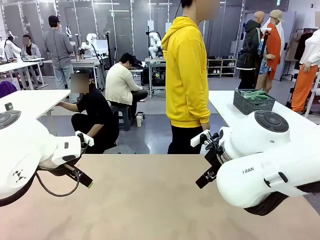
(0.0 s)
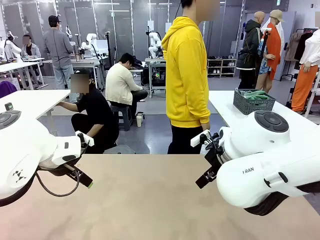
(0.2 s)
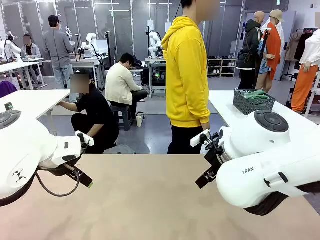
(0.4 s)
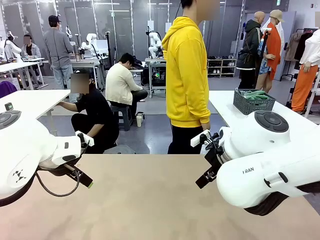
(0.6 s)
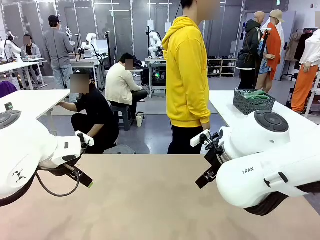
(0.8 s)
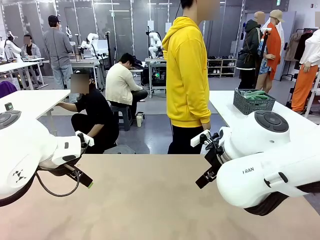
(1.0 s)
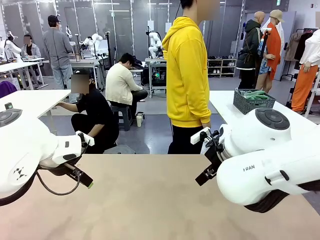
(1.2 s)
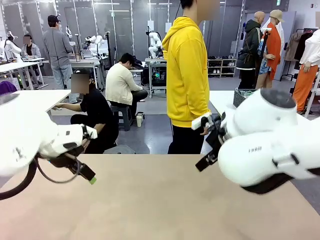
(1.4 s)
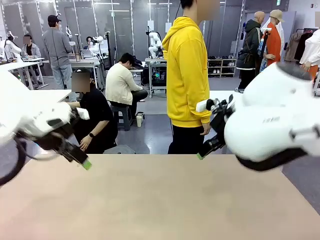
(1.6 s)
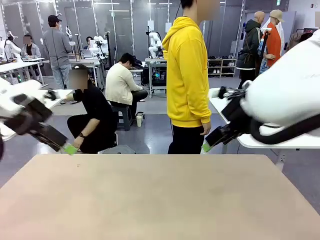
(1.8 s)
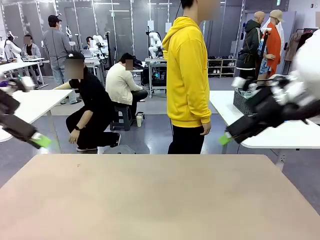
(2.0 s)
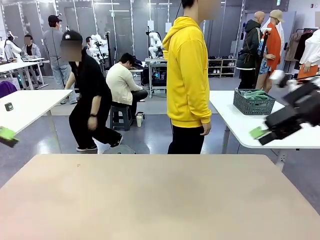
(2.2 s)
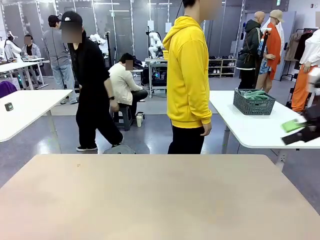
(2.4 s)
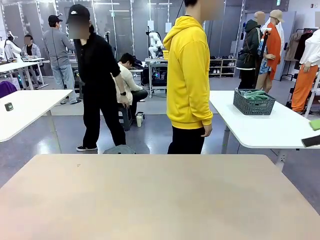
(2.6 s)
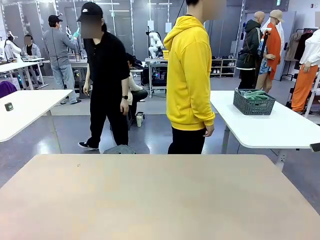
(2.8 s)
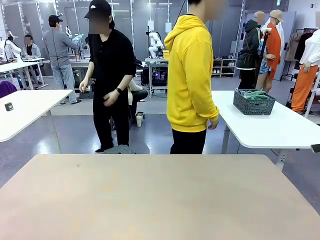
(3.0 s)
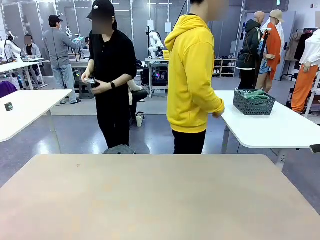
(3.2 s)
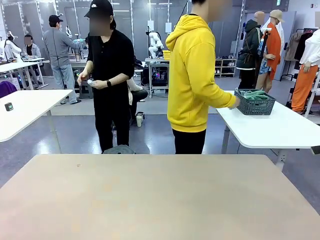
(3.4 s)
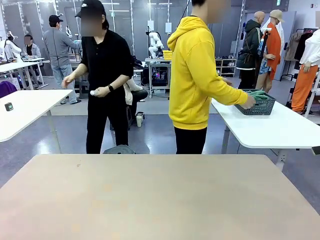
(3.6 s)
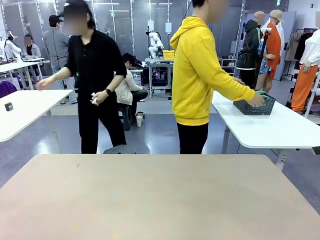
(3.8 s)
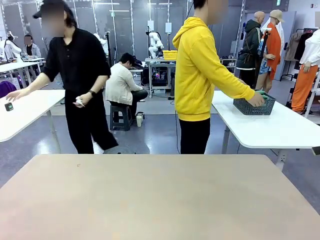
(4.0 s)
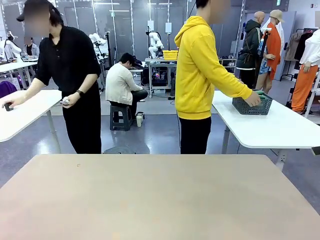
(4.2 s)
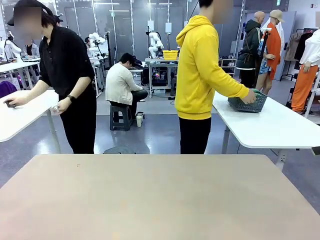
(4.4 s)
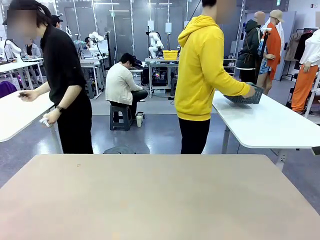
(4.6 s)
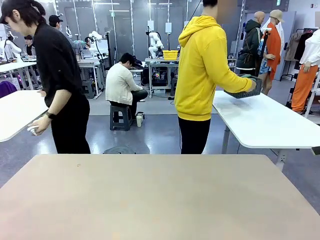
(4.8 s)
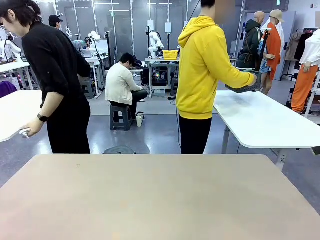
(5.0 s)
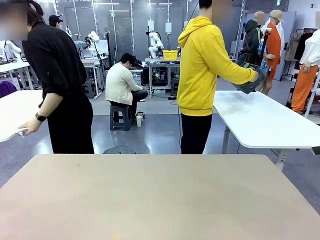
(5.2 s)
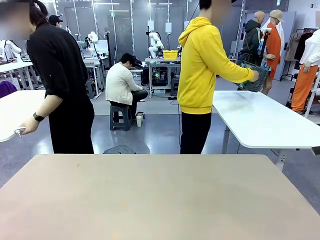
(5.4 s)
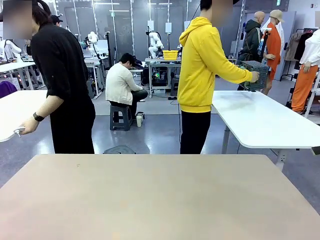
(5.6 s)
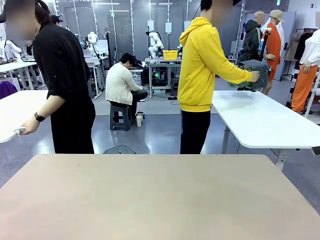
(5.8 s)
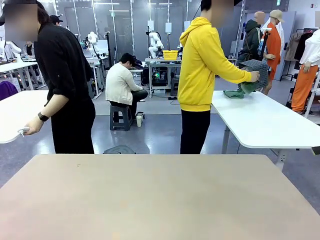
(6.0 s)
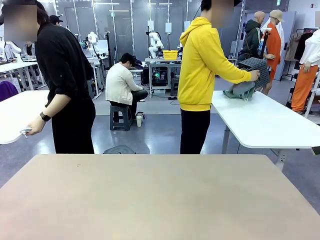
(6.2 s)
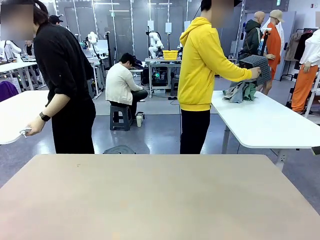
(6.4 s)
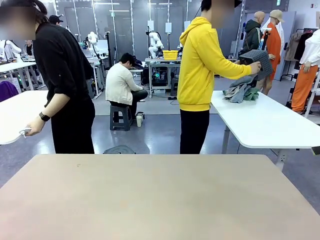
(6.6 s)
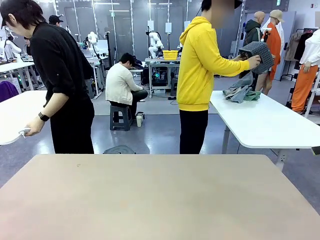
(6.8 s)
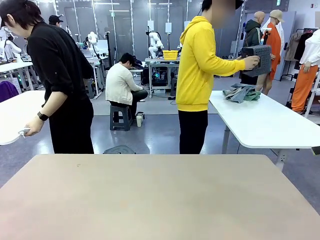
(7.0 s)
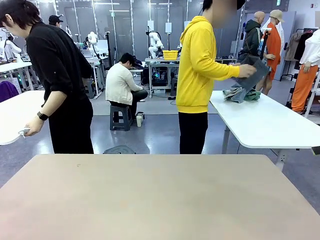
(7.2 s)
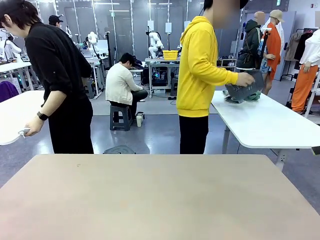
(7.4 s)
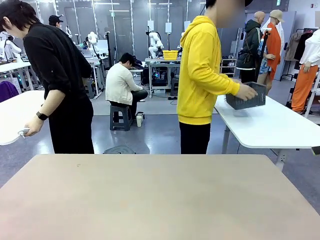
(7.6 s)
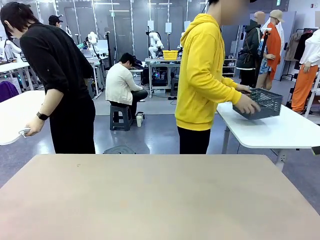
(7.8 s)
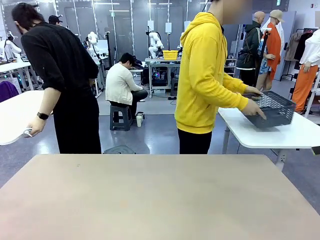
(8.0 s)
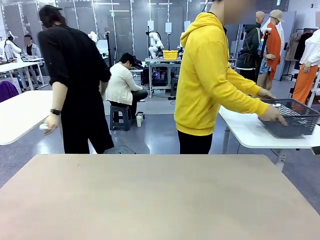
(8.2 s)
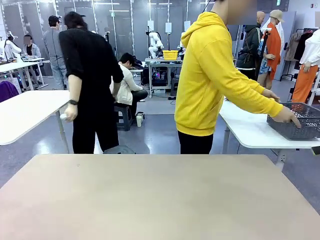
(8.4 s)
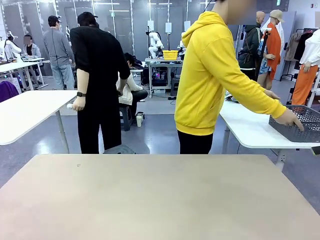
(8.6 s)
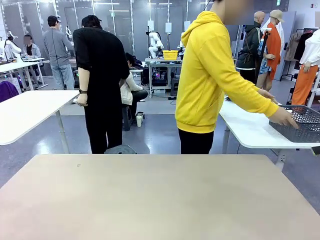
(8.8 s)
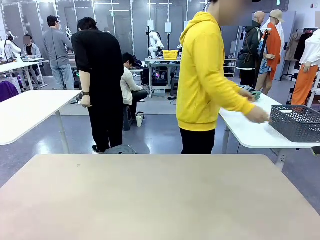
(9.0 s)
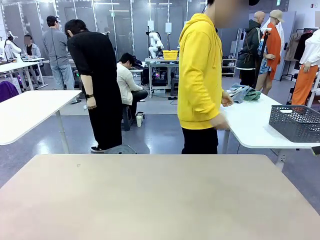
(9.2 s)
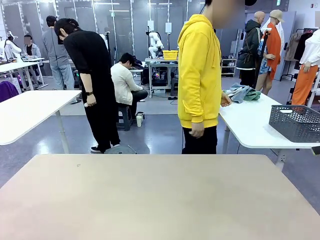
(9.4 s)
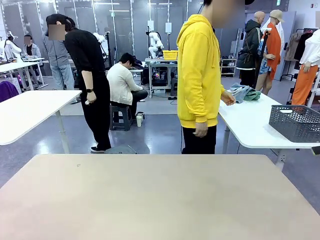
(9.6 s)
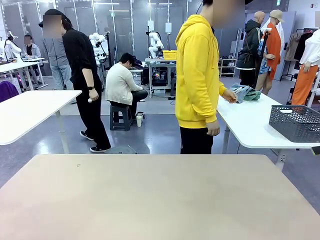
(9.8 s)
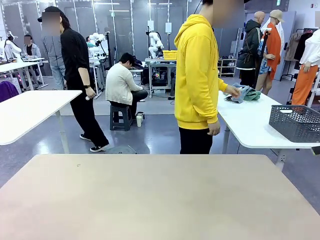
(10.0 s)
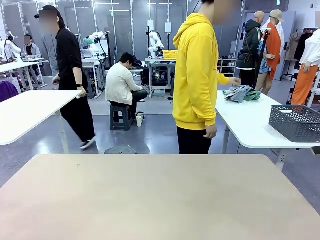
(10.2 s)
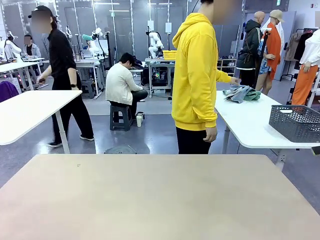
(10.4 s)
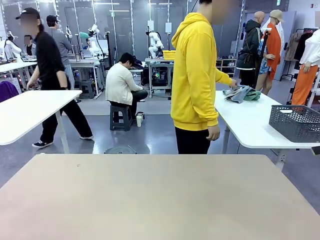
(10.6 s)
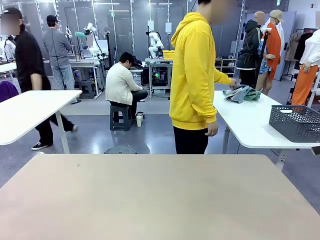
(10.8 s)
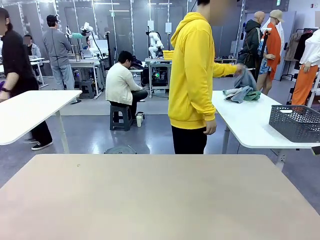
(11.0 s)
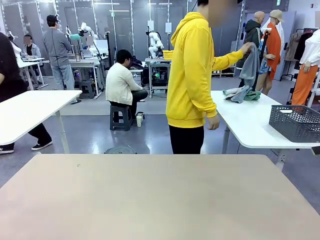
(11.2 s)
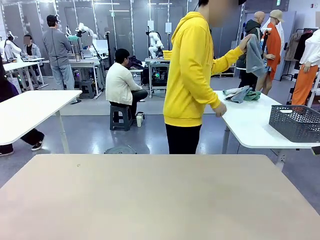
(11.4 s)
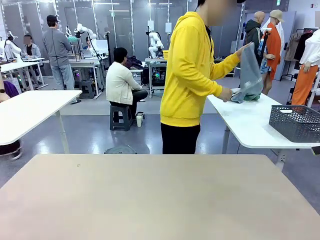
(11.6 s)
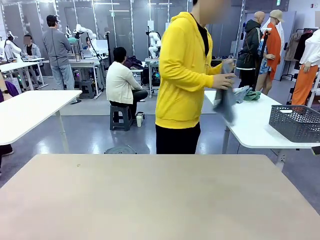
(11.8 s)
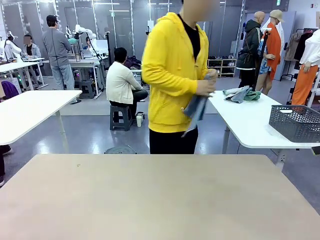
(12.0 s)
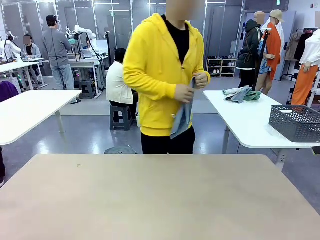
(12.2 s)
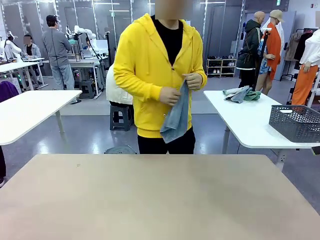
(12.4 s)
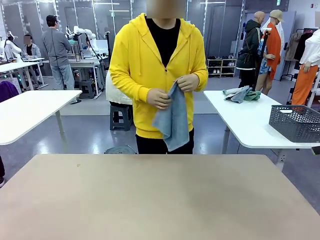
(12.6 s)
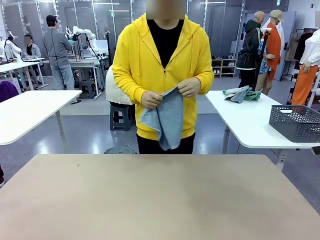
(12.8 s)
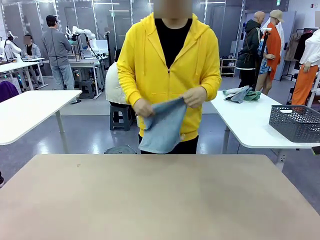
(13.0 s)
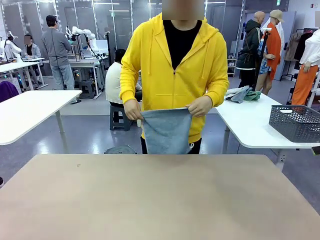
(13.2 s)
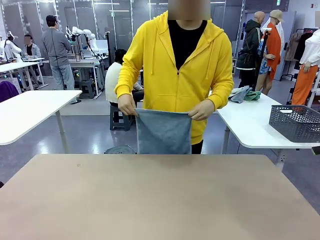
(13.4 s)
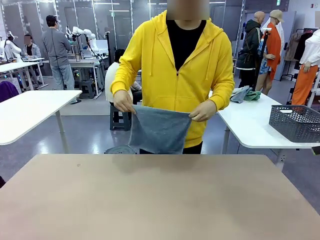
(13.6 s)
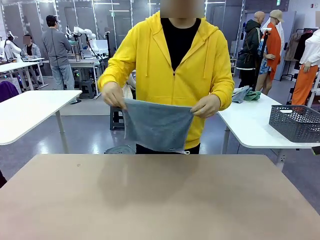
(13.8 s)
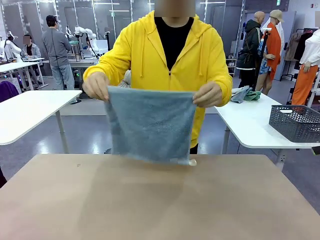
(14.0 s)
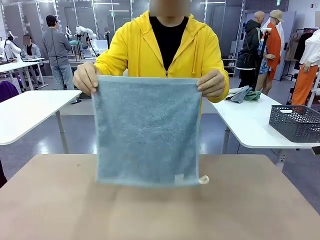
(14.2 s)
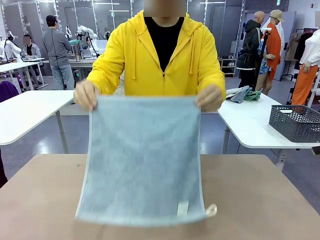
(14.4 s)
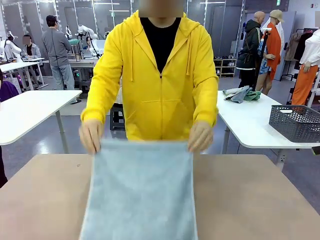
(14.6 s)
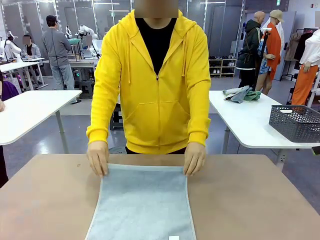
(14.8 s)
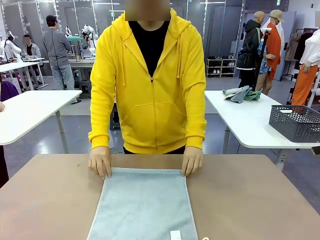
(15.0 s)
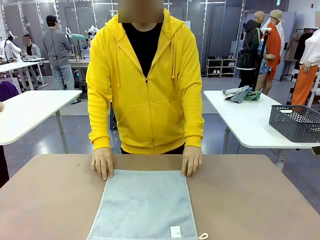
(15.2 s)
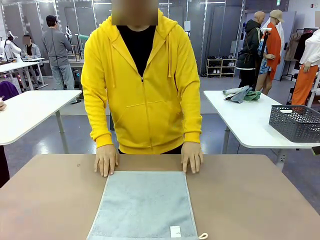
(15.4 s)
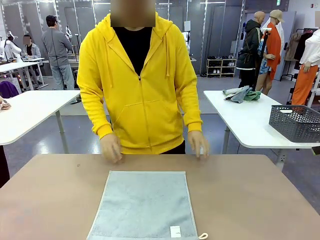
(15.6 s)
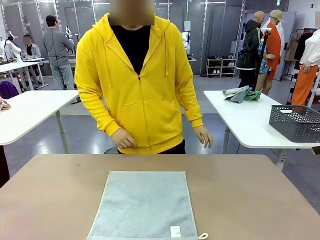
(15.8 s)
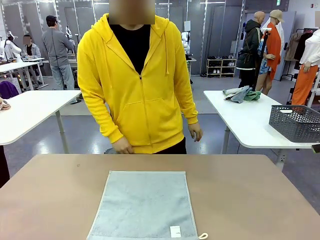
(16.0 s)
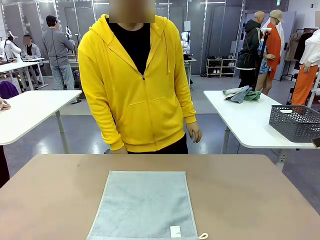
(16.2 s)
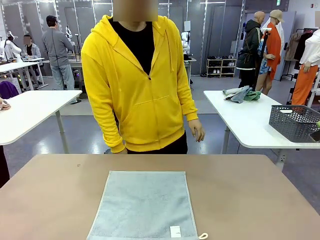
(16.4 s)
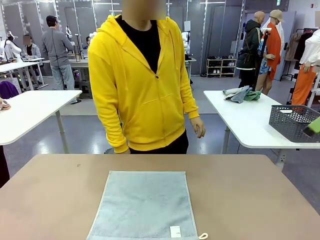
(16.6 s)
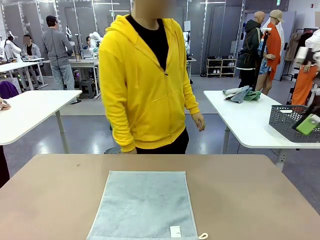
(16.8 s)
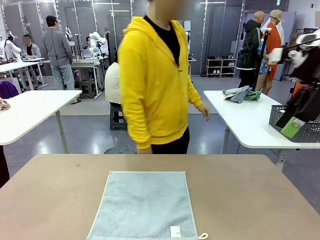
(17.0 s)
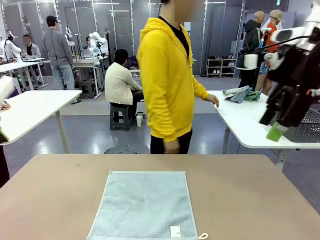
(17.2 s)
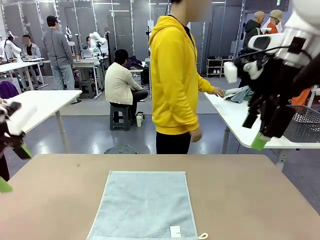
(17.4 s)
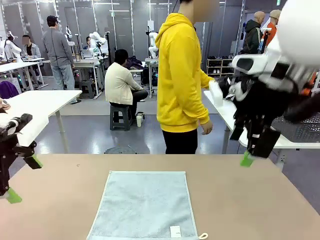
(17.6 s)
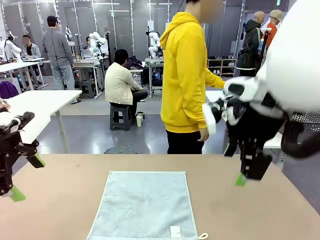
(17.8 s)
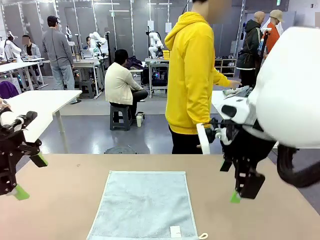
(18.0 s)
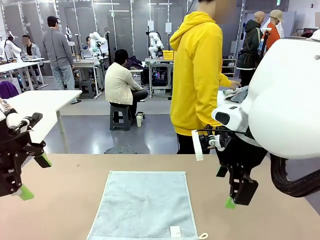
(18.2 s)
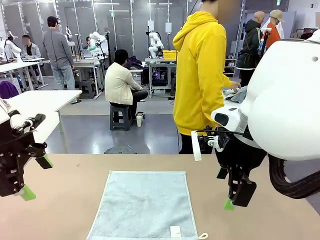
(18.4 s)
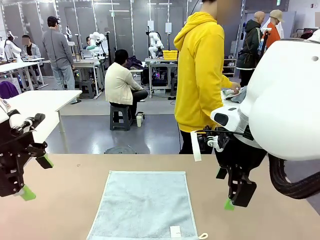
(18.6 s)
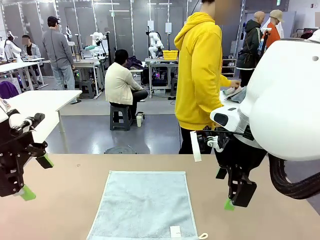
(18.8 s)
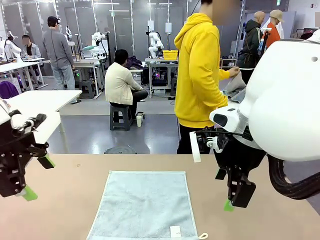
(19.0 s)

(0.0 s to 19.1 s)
Task: Fold the towels and place them in the basket.
Robot: When a person lays out a Towel with hook on the table, fold it in half twice.
Person: Pick up the basket, pour the towels onto the left side of the human table, and place the basket on the right side. Pick up one towel and spread it out at the center of the robot table.
